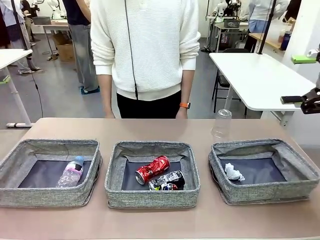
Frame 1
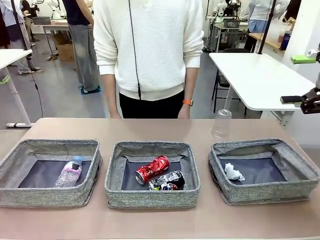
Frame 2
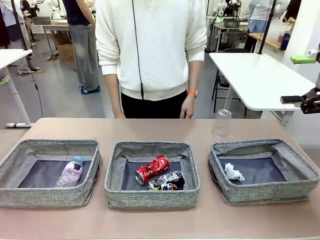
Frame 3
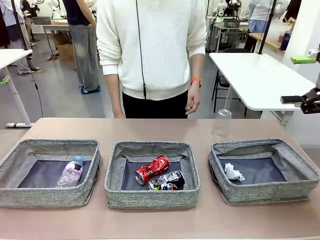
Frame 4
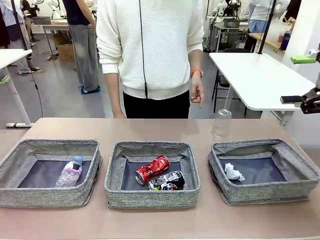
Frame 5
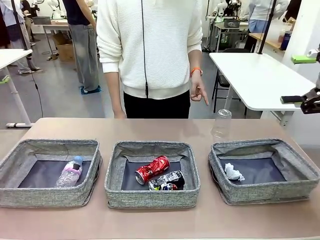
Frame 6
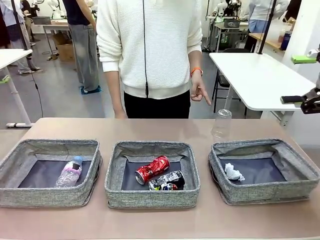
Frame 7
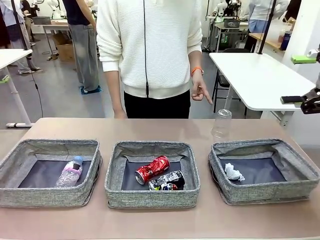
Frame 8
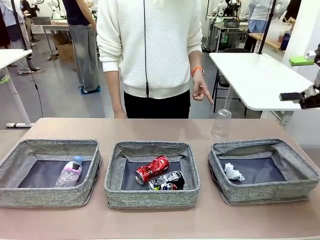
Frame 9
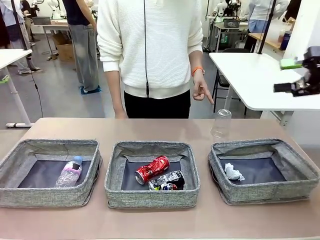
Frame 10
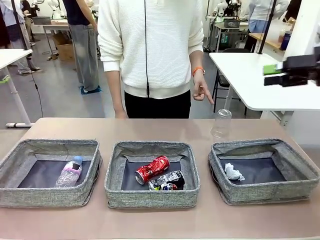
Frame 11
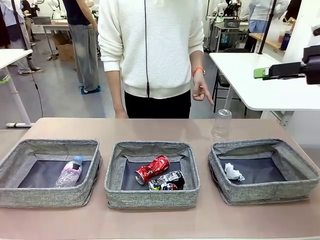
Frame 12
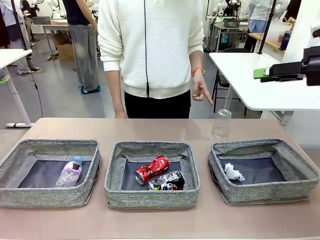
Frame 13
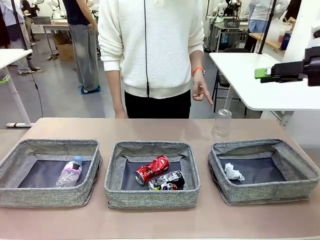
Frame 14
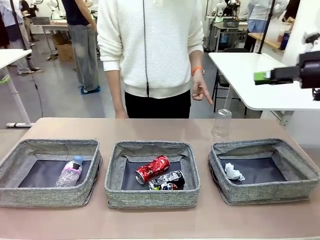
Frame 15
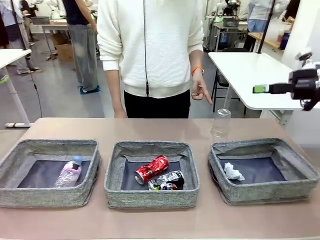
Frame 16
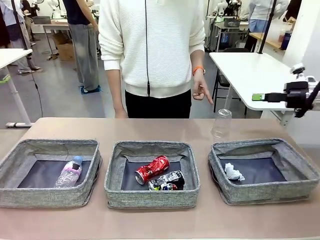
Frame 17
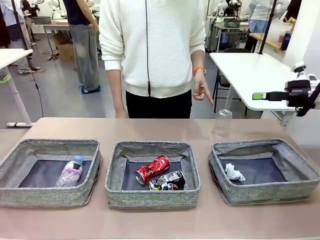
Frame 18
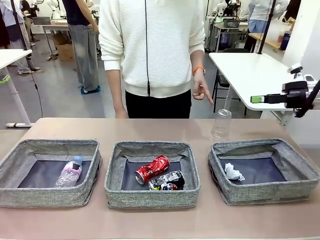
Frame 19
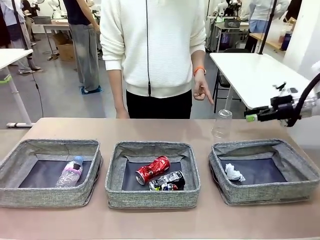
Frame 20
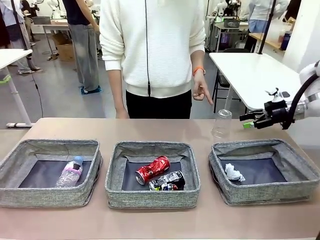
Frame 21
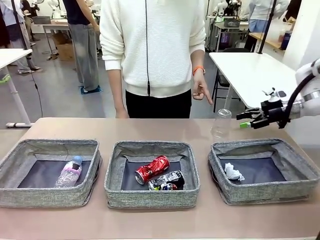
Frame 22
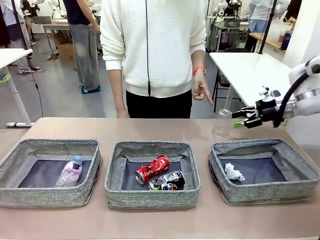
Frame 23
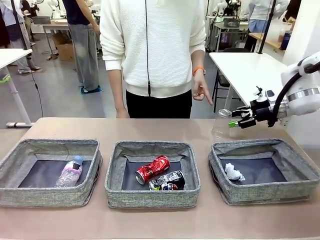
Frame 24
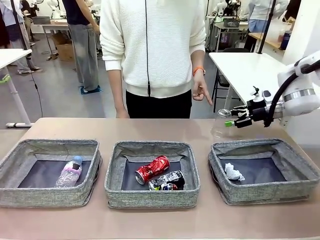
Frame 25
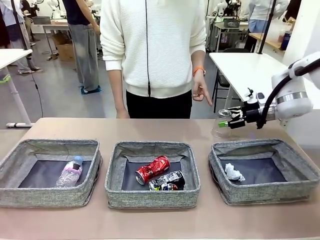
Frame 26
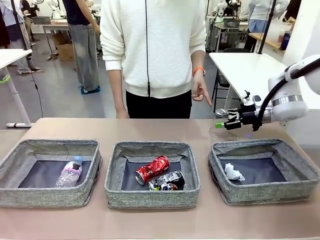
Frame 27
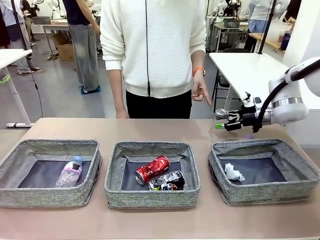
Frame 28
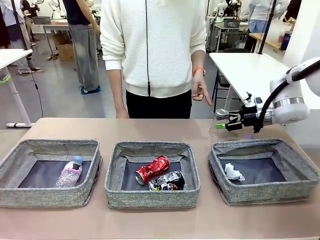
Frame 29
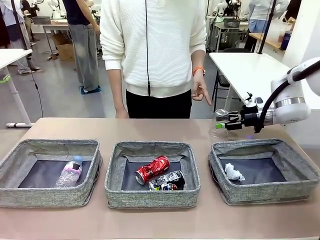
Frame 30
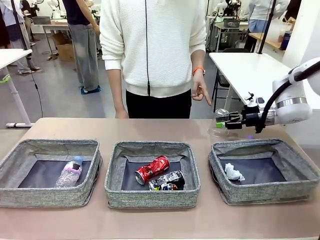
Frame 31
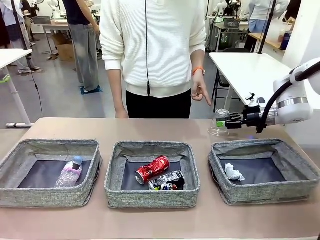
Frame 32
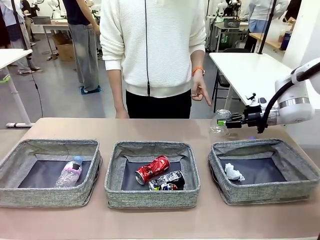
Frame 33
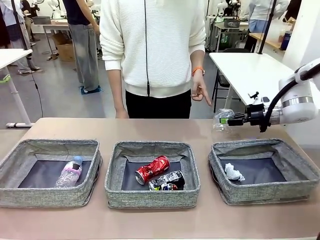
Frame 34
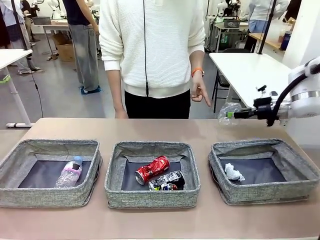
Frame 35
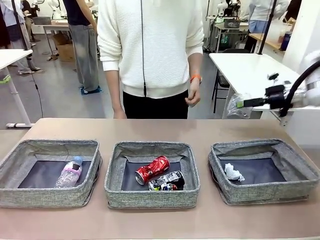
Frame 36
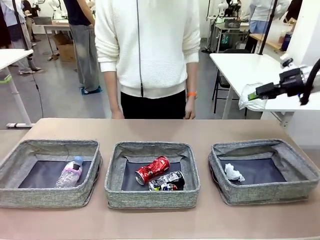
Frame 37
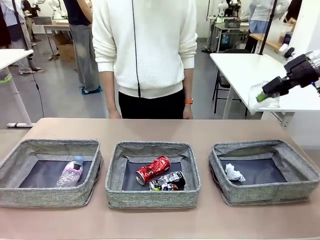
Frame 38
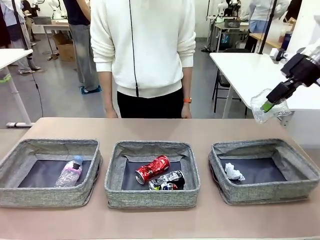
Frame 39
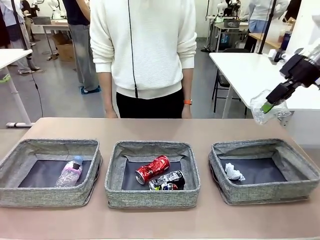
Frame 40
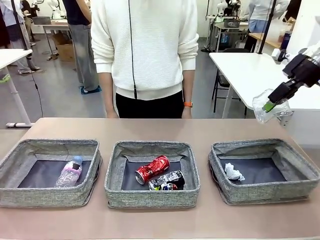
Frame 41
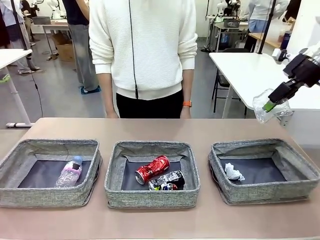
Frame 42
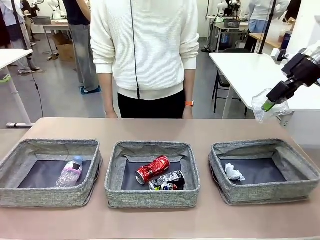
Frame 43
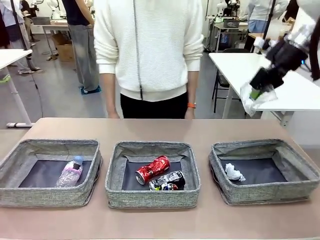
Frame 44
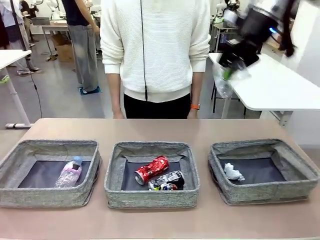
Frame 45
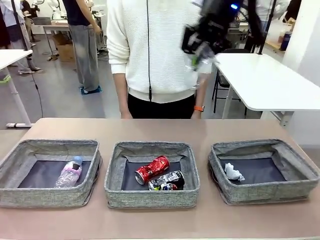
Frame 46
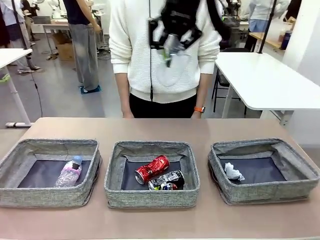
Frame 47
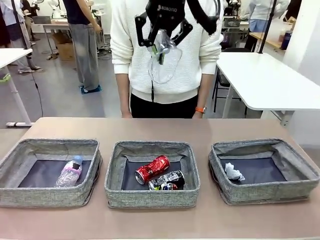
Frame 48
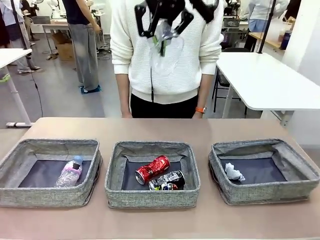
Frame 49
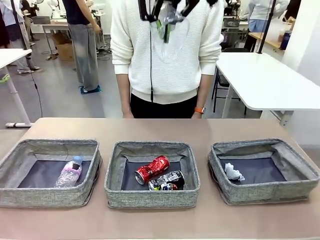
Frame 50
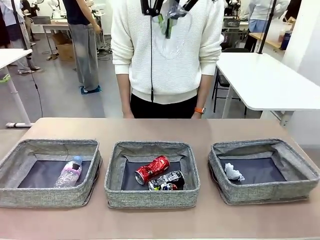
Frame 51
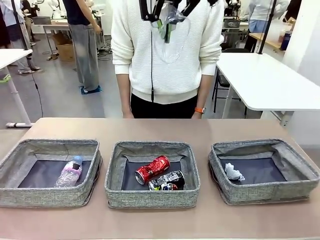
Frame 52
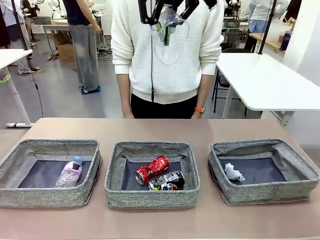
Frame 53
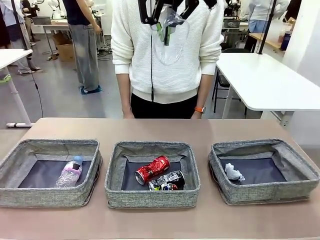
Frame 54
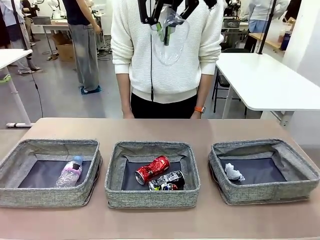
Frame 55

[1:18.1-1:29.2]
Task: Sort the waste into the appropriate baskets.
Robot: Pick up the waste item pointed out by the person.
Person: Points to one piece of trash on the table.

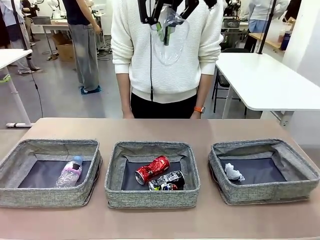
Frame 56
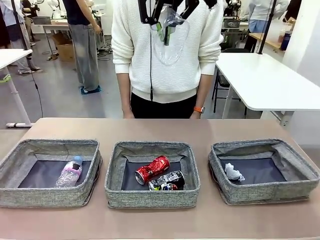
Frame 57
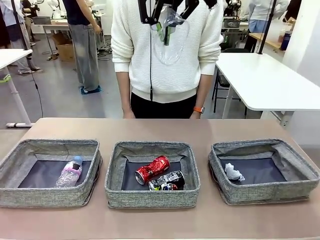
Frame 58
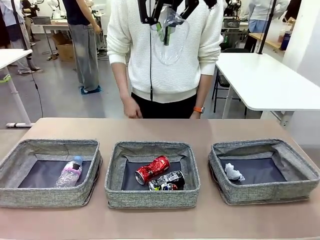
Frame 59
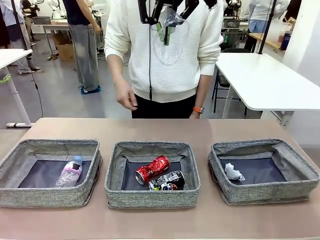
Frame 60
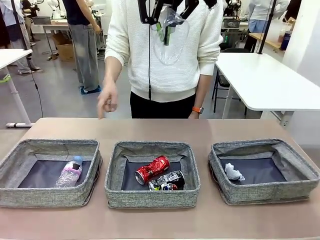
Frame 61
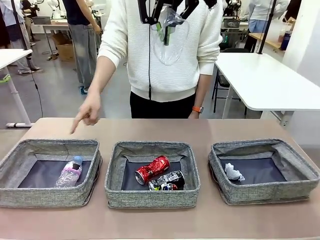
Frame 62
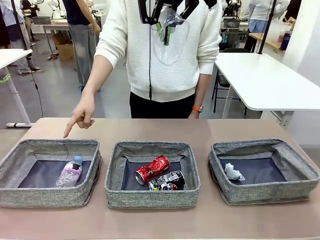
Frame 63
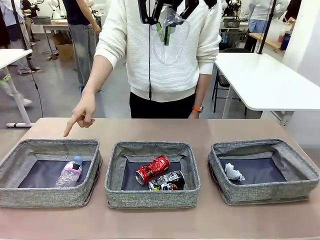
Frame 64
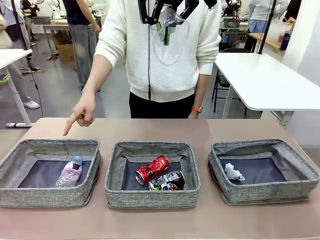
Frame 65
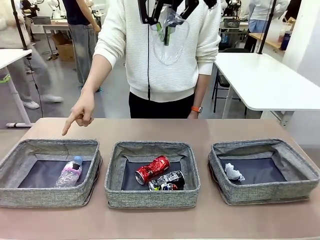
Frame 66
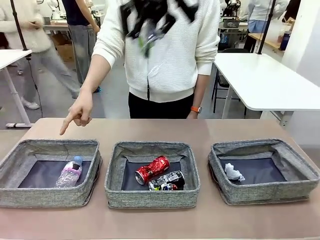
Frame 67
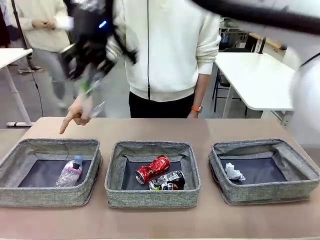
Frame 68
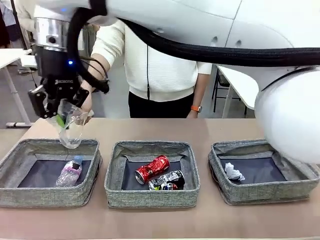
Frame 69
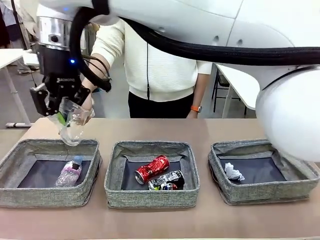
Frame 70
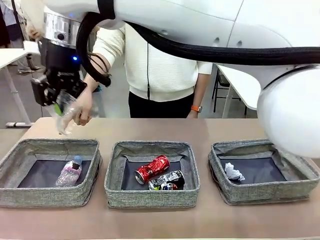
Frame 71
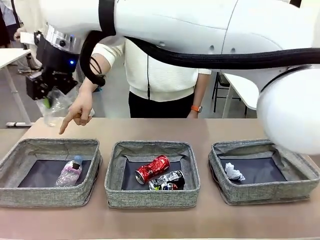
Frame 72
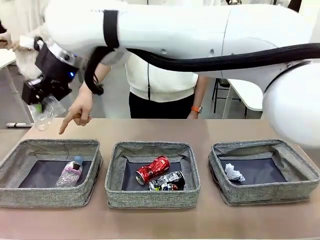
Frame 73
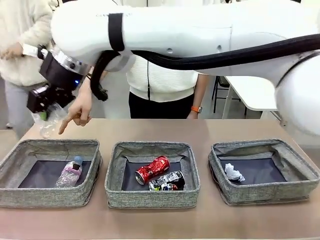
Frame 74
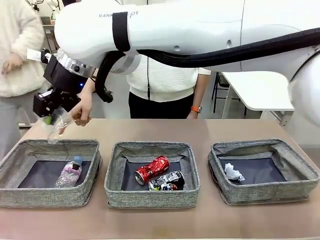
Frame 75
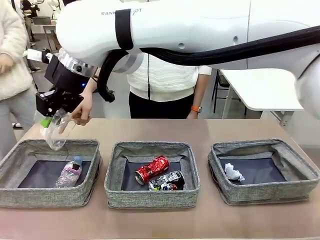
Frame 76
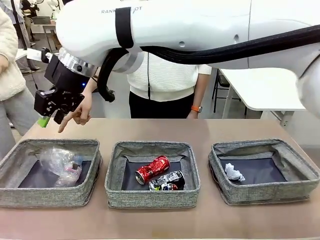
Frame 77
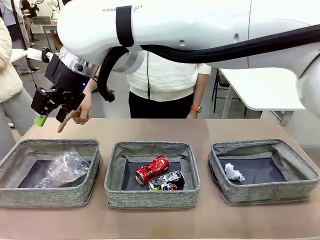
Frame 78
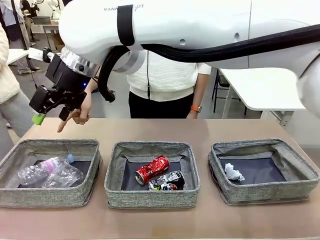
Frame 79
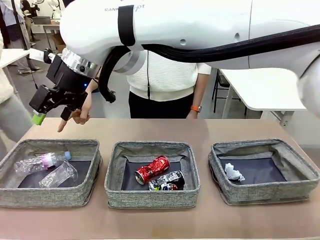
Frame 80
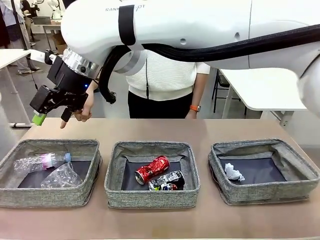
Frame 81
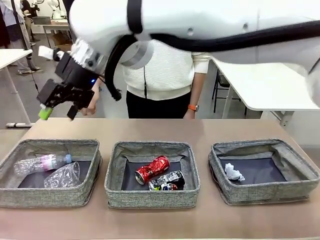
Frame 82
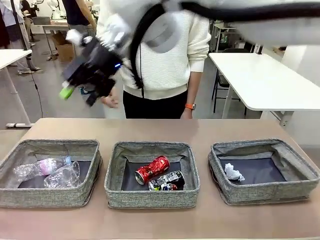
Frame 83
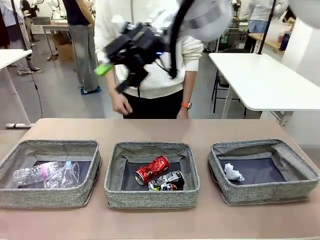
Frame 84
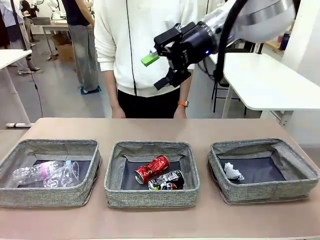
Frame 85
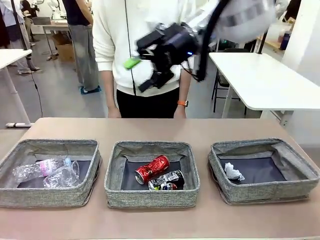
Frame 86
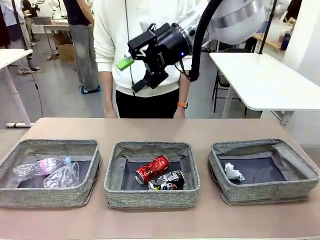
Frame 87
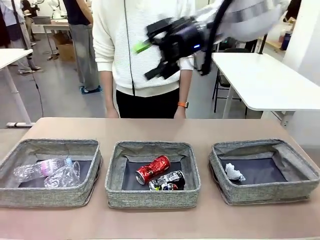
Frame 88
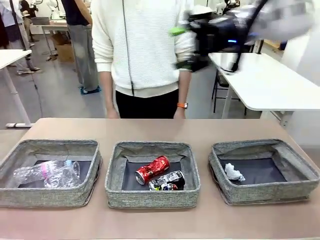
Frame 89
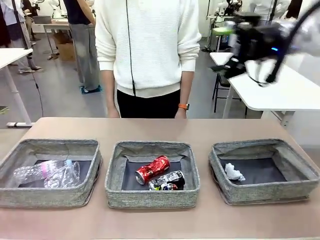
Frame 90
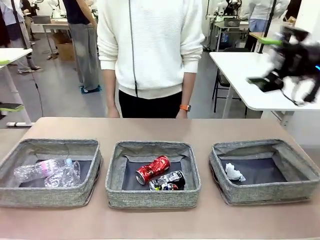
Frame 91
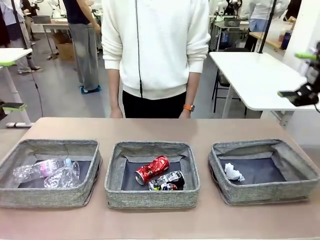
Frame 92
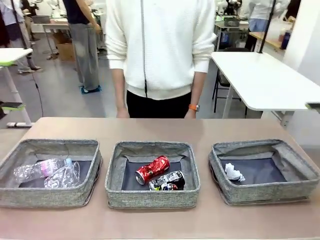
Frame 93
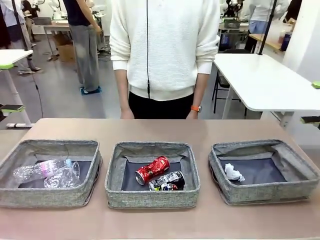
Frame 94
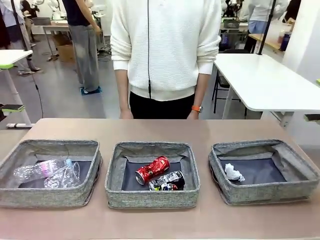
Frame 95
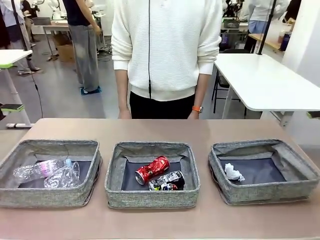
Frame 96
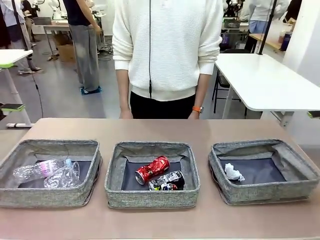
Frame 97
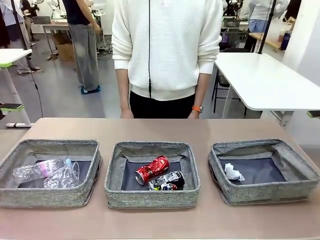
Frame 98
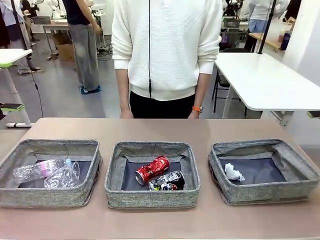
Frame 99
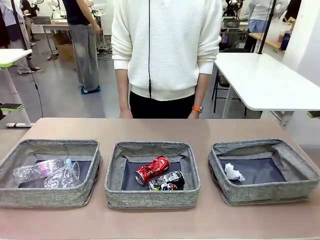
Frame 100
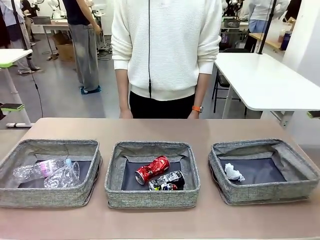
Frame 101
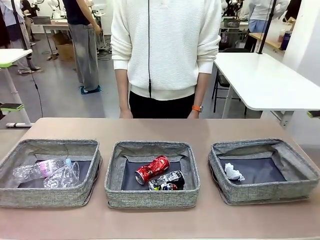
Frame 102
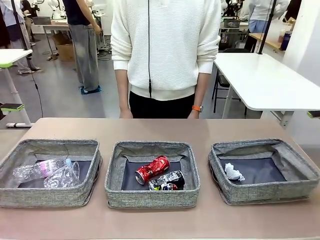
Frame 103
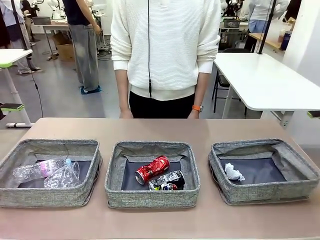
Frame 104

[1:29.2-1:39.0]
Robot: Place the picked waste into the Fabric basket indicated by the person.
Person: Instructs the robot to place the picked-up trash into the appropriate organizing basket.
